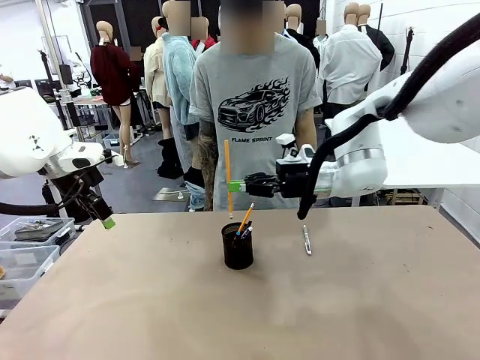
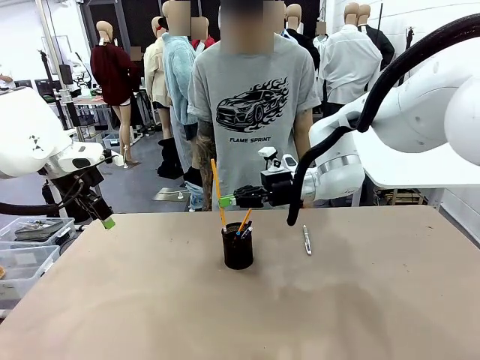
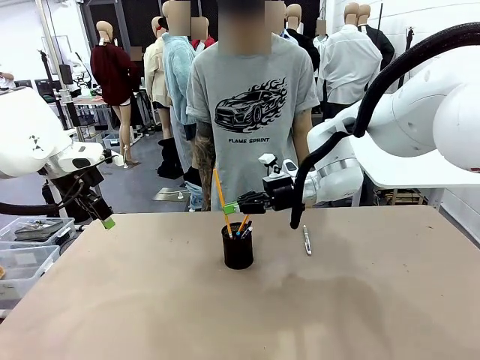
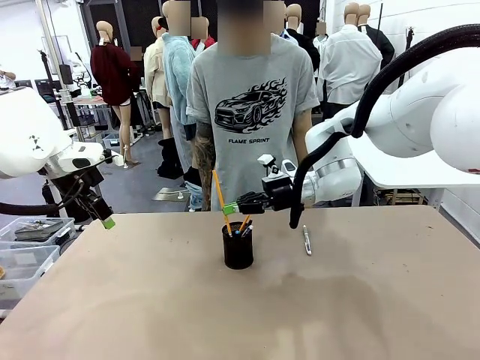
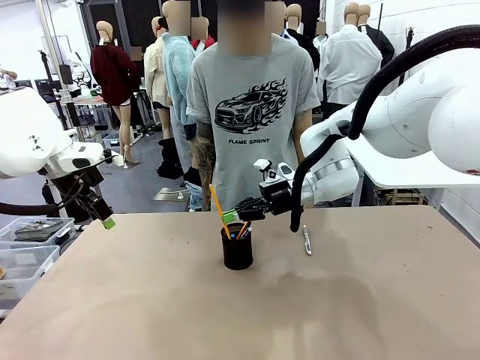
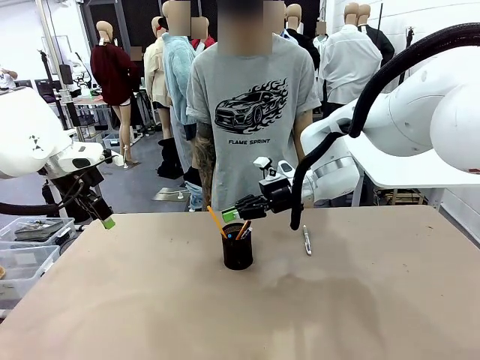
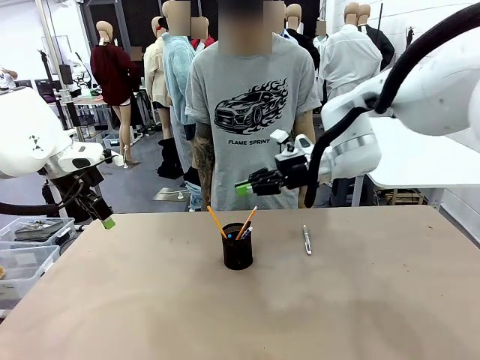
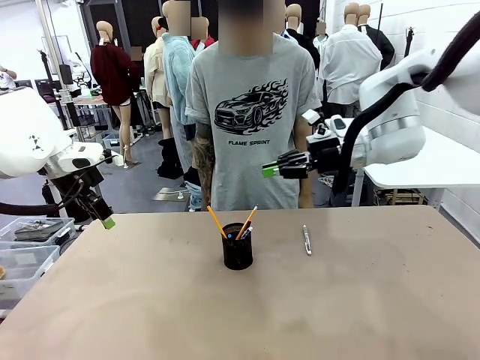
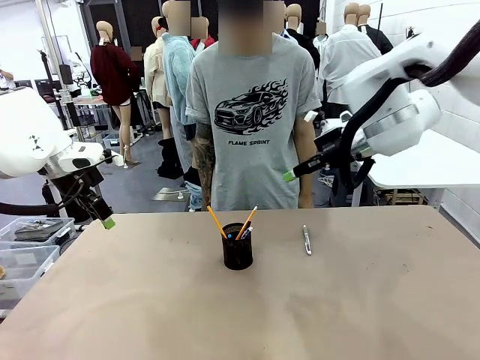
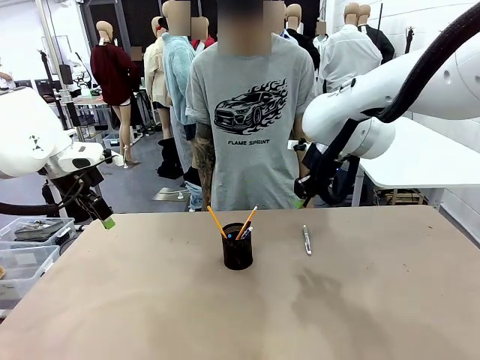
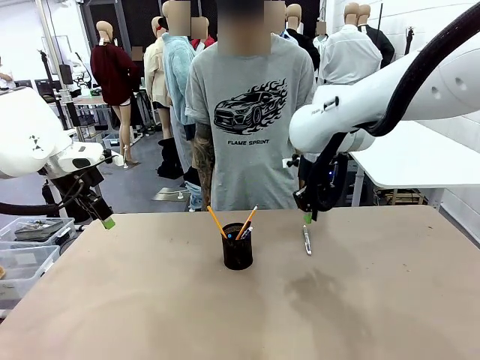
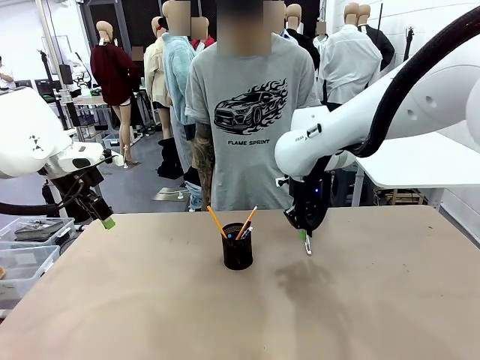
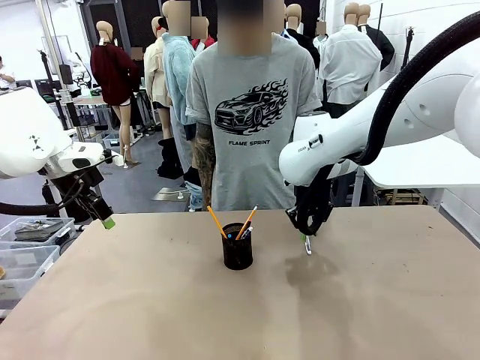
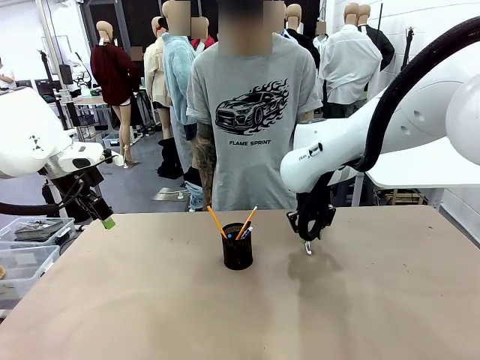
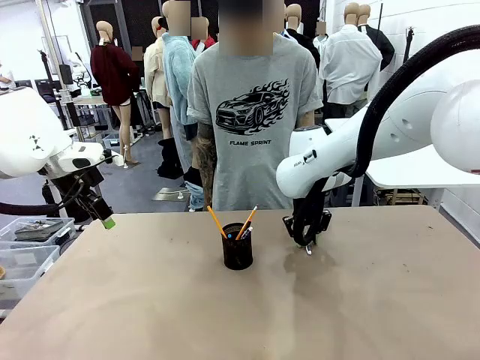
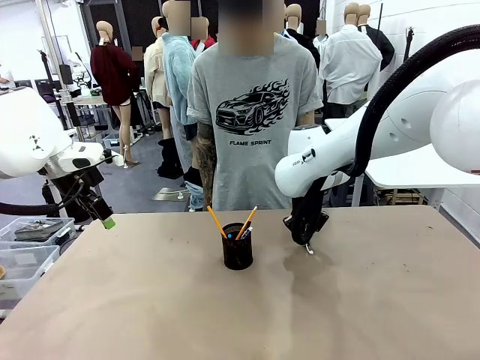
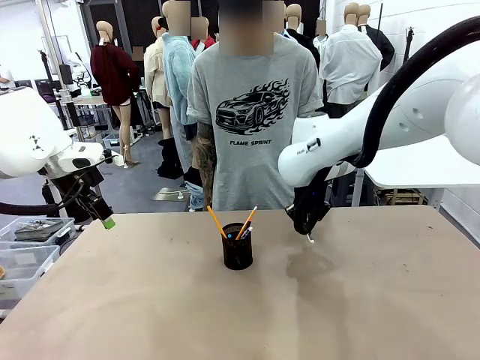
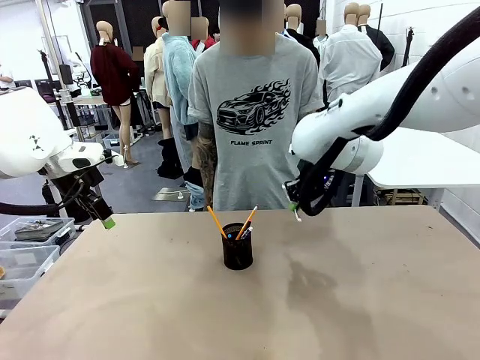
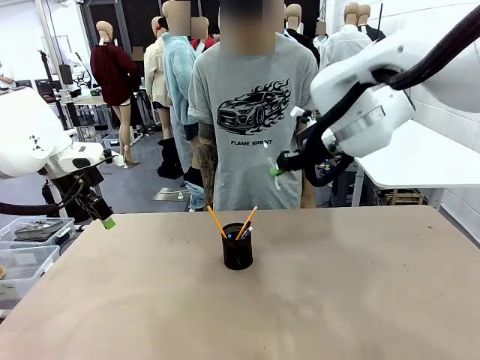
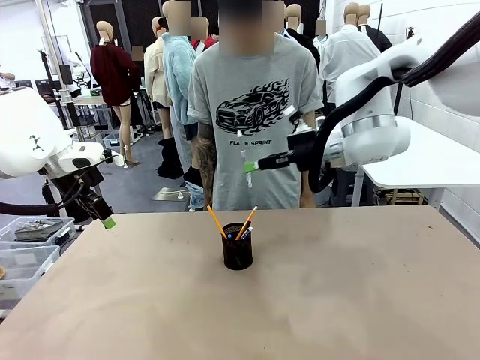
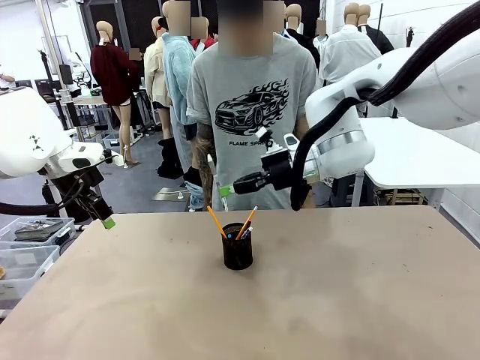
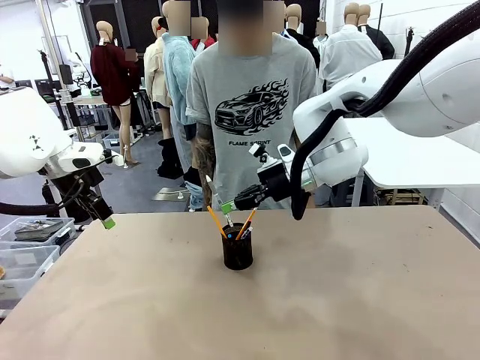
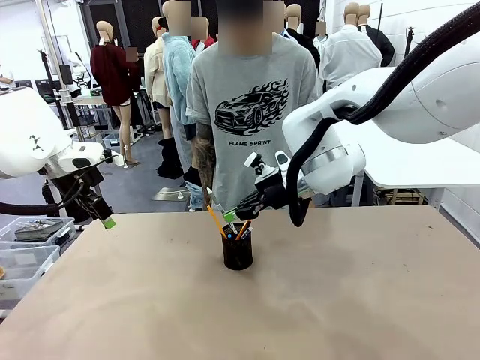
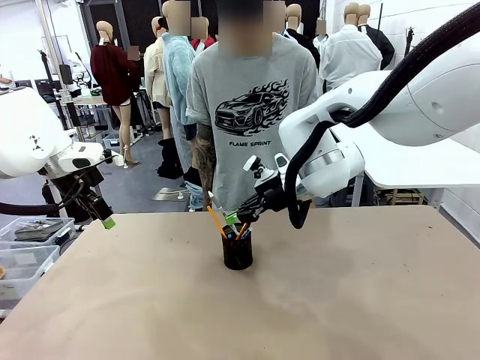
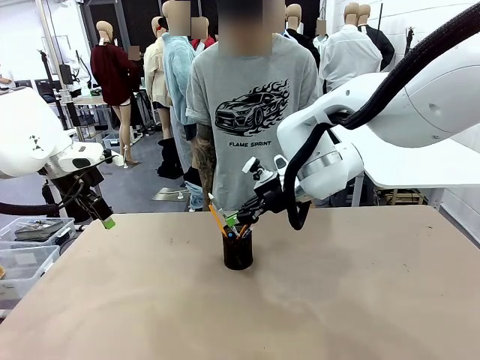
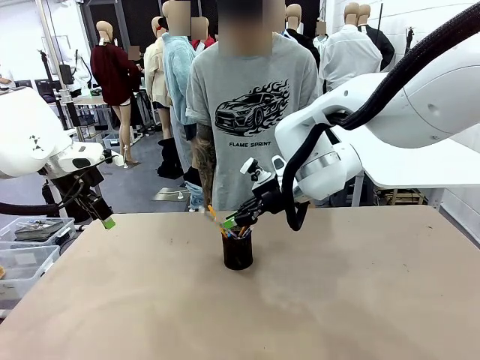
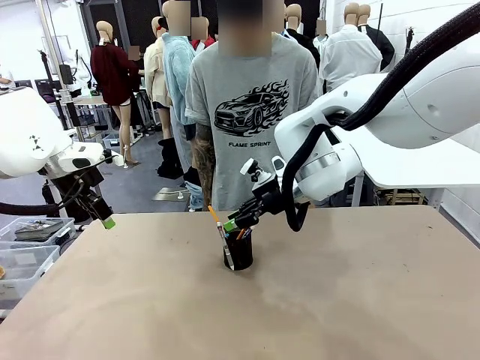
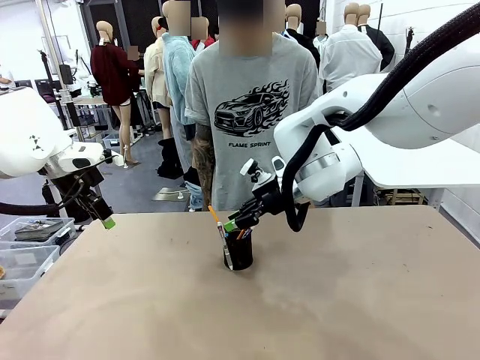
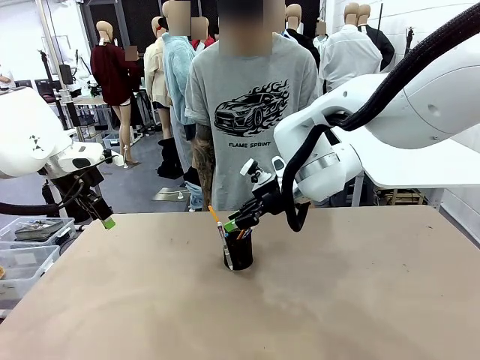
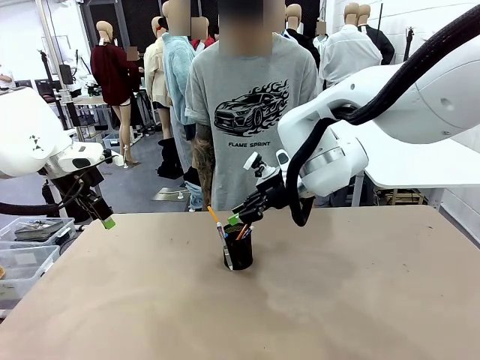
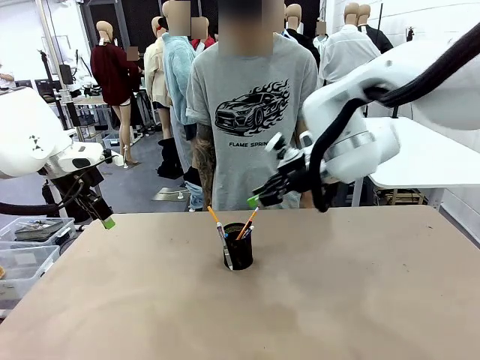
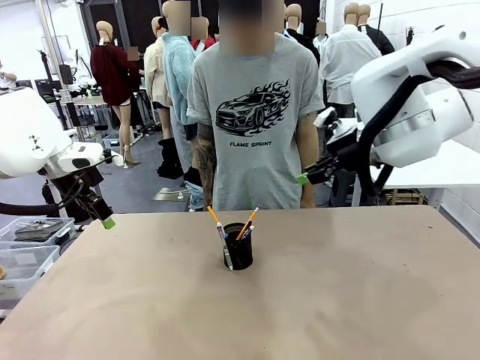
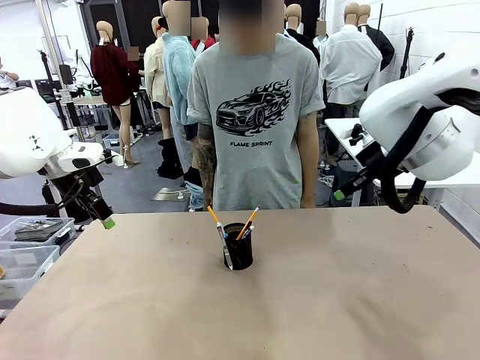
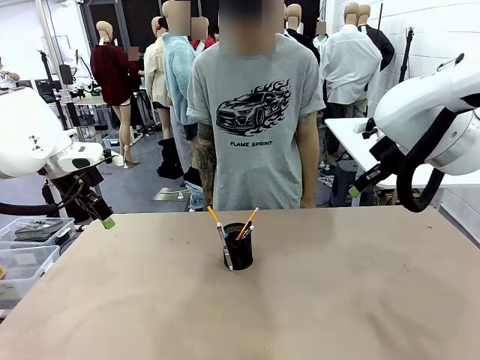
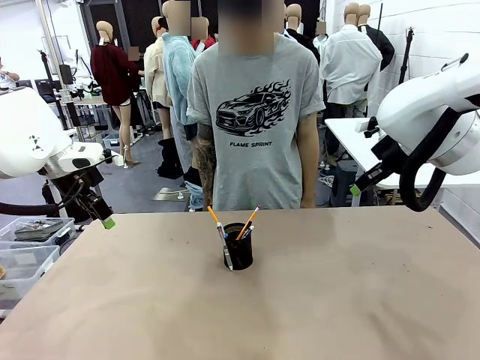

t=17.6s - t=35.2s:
Task: Place the pens into the pen holder.
Robot: Pick up a writing instrument from the table and place it into the Pen holder.
Person: Place all writing instrument into the Pen holder.

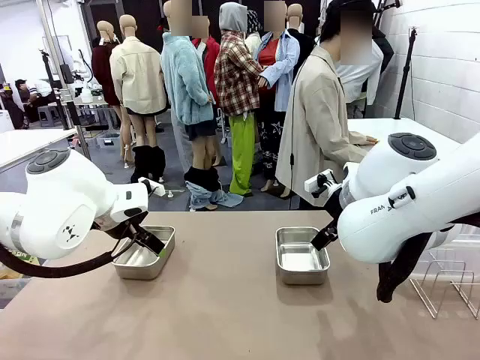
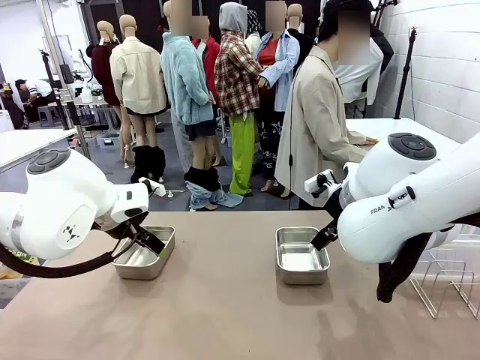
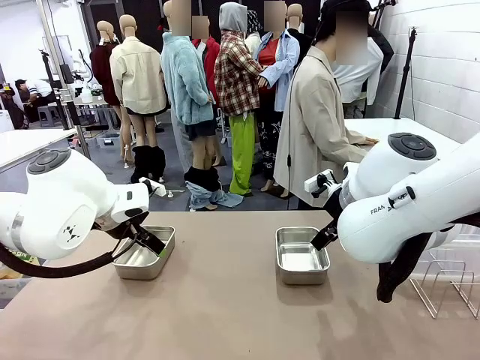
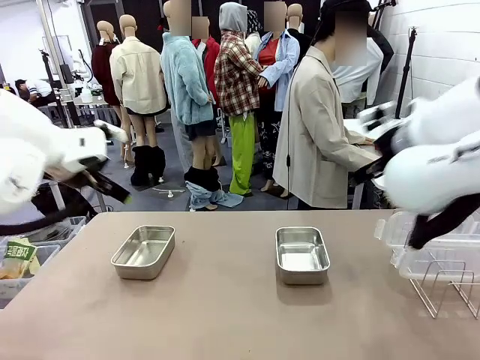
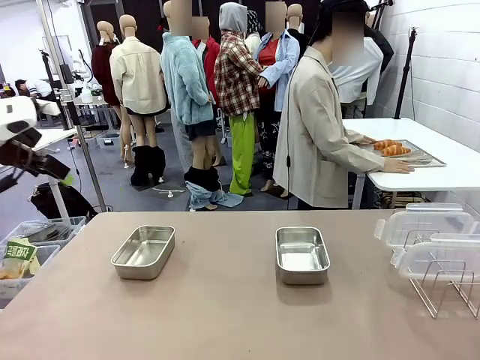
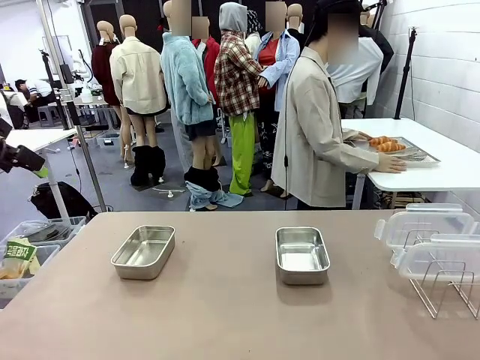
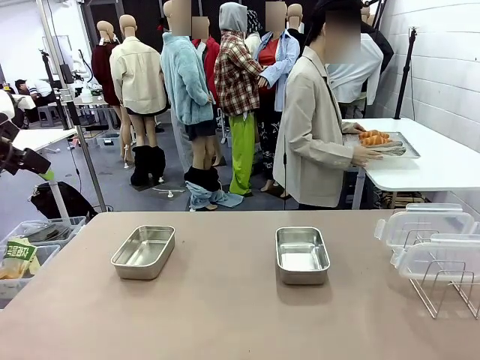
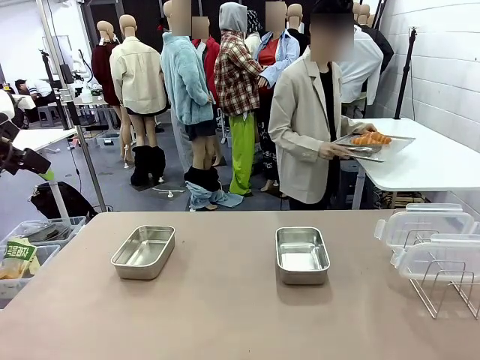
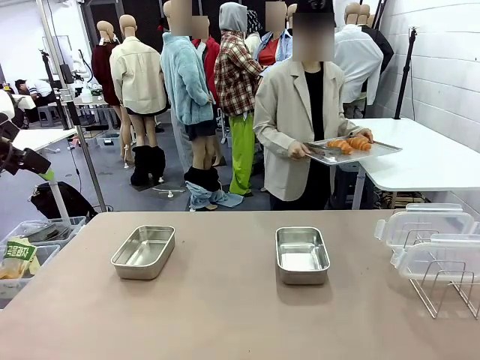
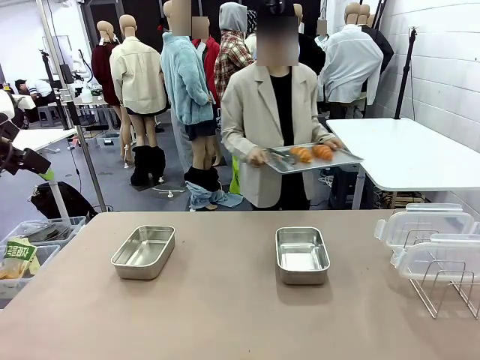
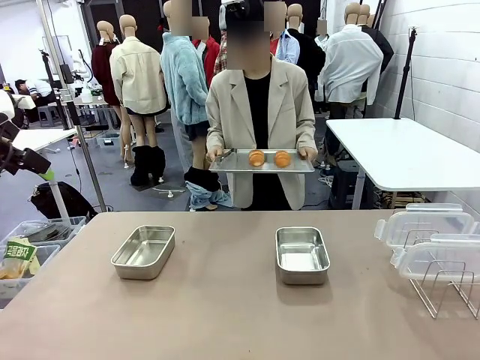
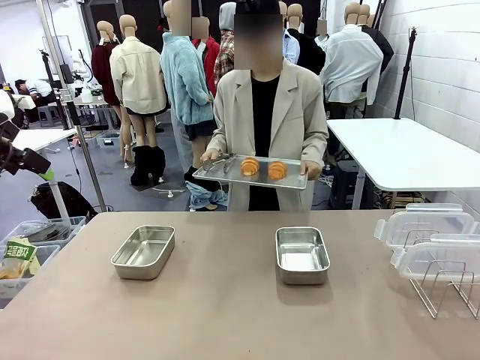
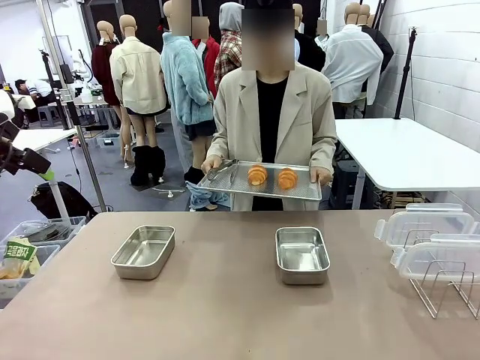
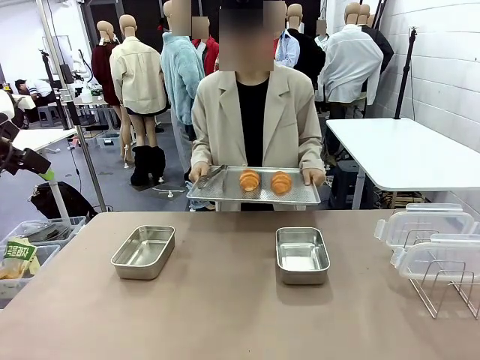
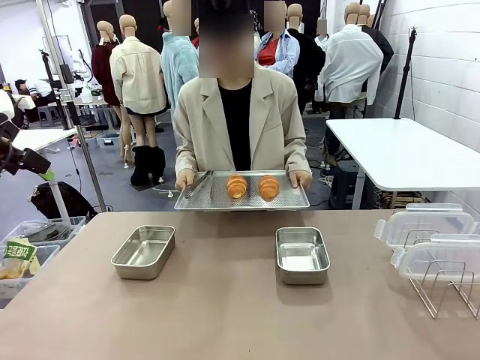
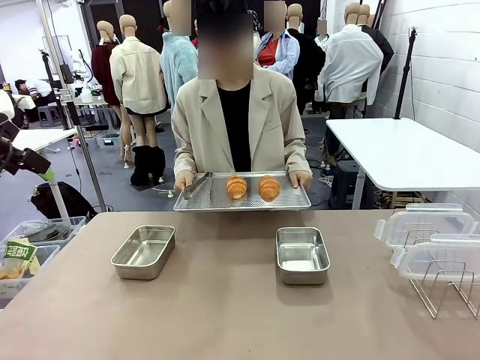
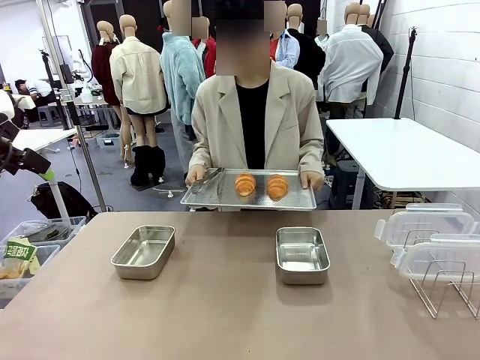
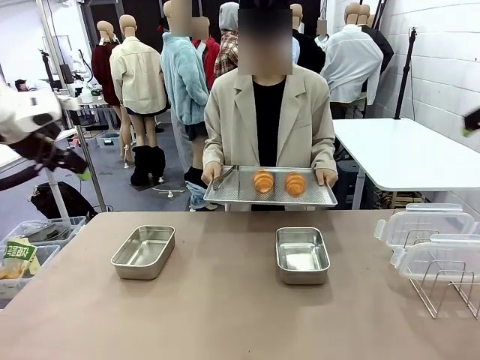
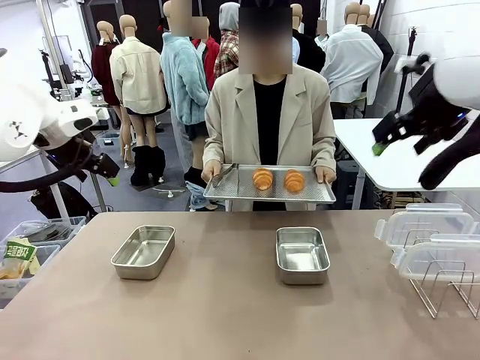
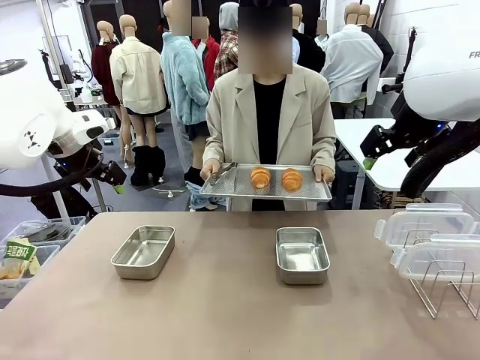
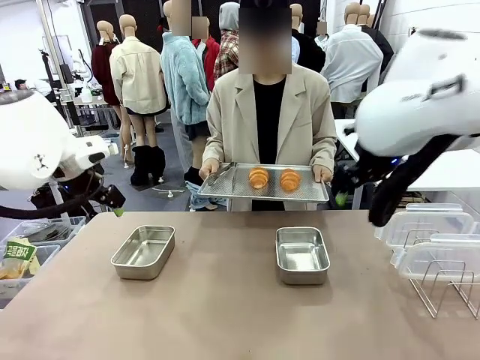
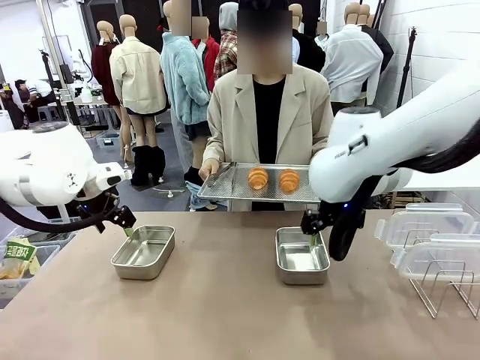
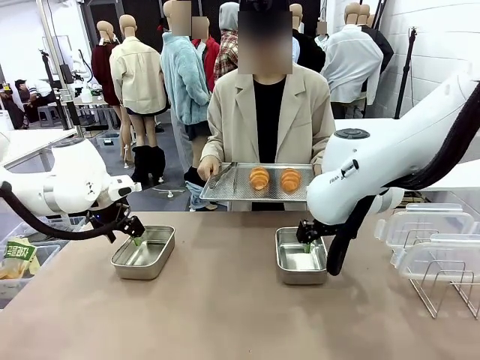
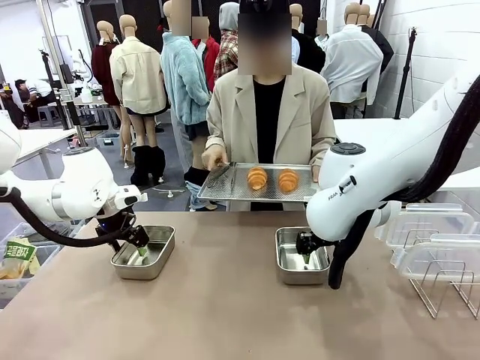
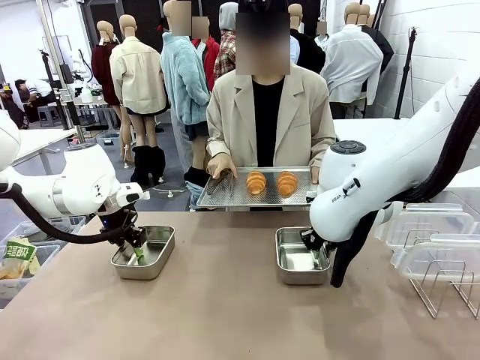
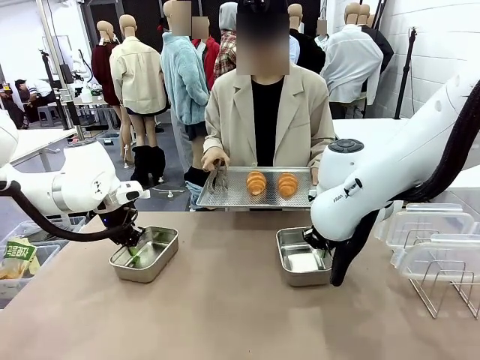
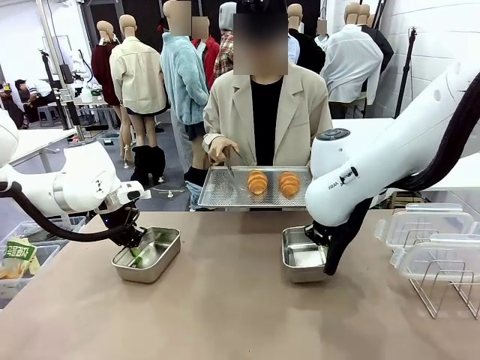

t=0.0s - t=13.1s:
Task: Place the bread in airtight containers.
Robot: Lift both Airtight Container.
Person: Bring the Baking Sheet in front of Robot's Table.
